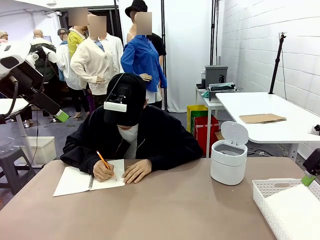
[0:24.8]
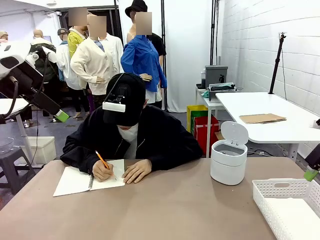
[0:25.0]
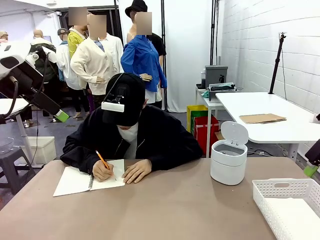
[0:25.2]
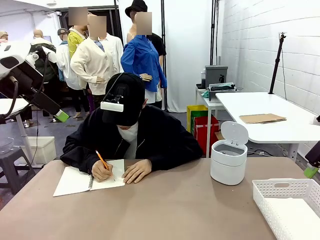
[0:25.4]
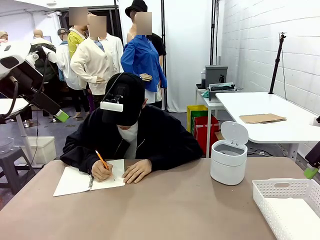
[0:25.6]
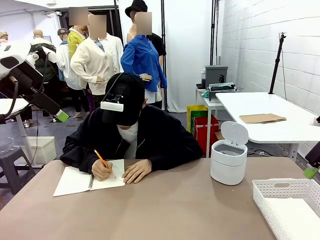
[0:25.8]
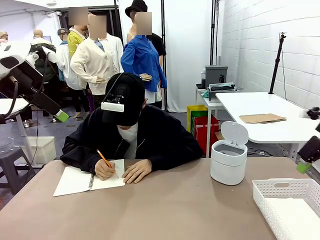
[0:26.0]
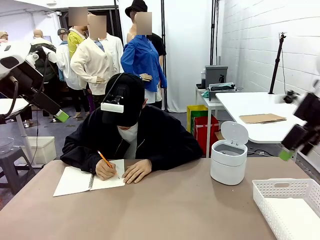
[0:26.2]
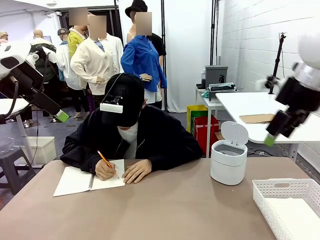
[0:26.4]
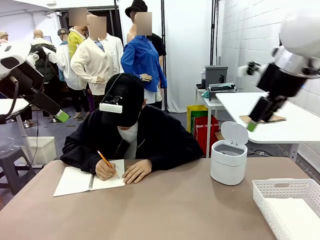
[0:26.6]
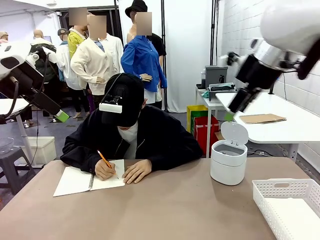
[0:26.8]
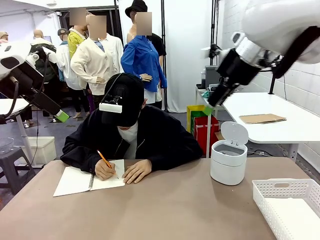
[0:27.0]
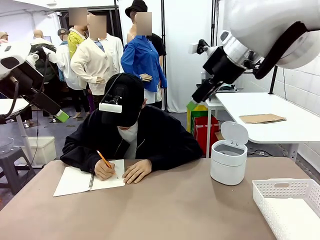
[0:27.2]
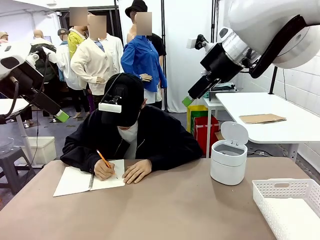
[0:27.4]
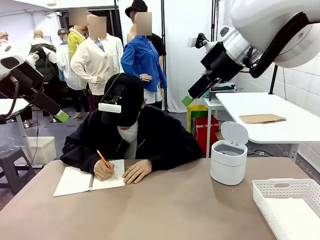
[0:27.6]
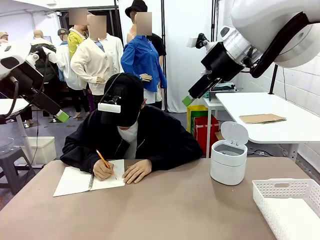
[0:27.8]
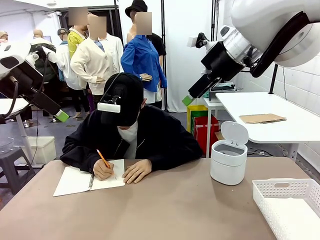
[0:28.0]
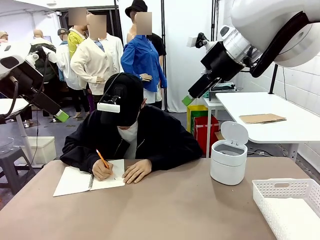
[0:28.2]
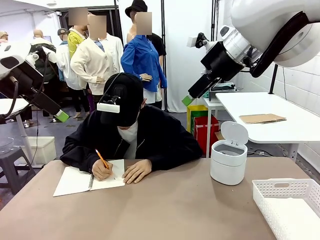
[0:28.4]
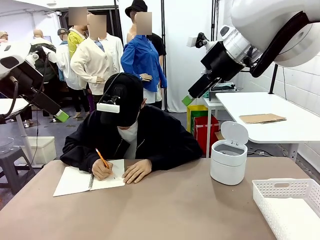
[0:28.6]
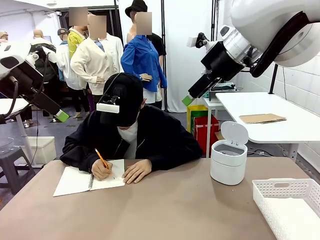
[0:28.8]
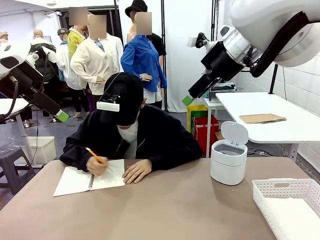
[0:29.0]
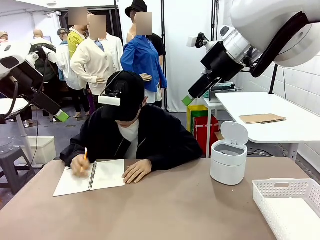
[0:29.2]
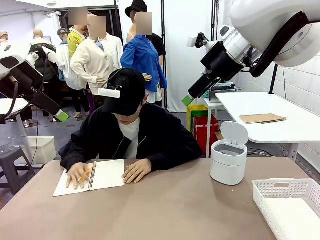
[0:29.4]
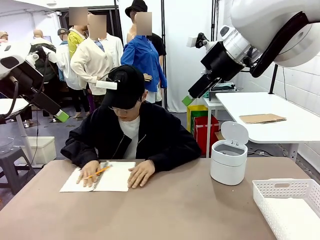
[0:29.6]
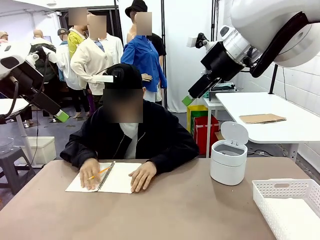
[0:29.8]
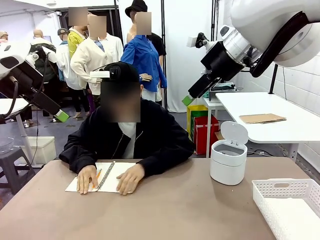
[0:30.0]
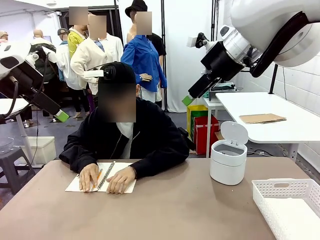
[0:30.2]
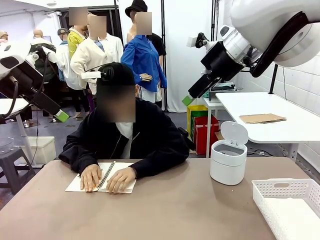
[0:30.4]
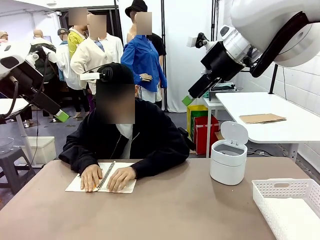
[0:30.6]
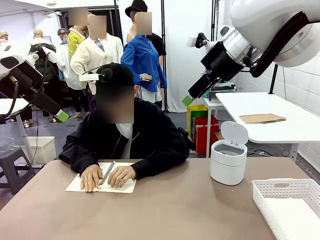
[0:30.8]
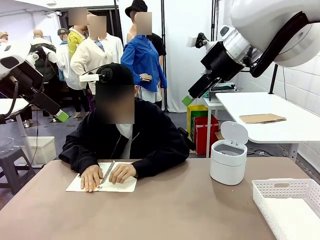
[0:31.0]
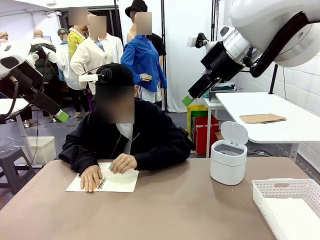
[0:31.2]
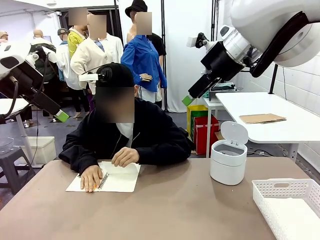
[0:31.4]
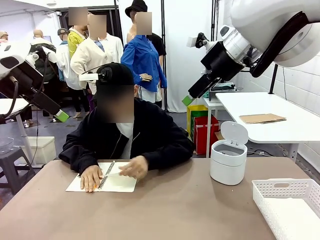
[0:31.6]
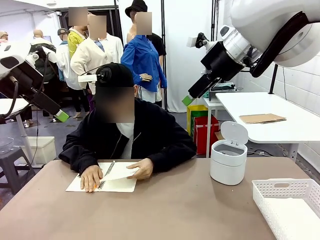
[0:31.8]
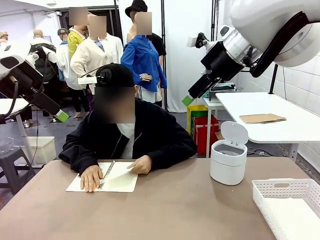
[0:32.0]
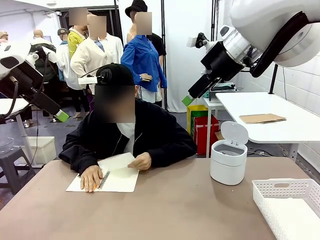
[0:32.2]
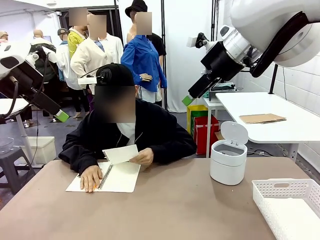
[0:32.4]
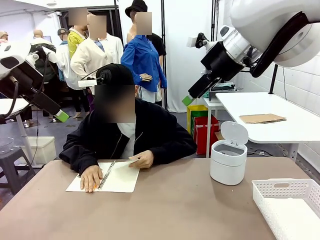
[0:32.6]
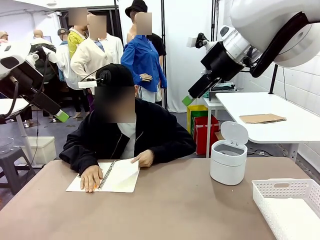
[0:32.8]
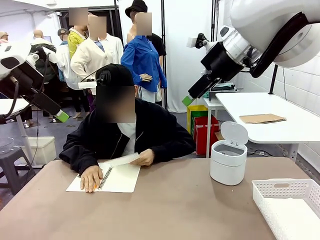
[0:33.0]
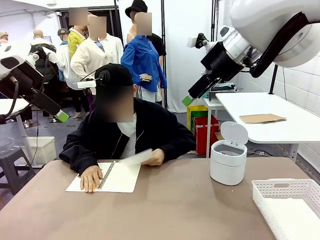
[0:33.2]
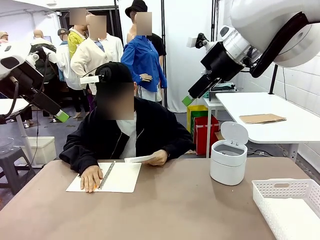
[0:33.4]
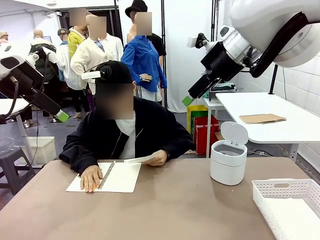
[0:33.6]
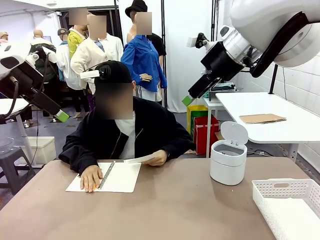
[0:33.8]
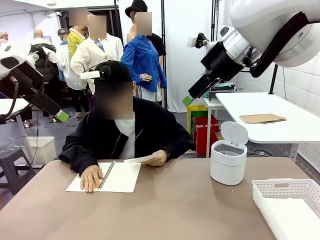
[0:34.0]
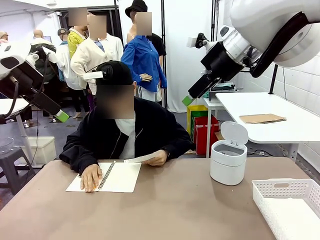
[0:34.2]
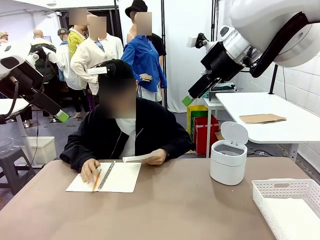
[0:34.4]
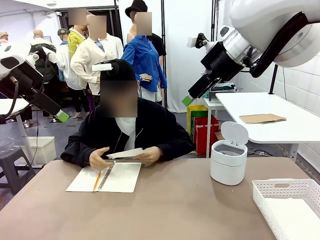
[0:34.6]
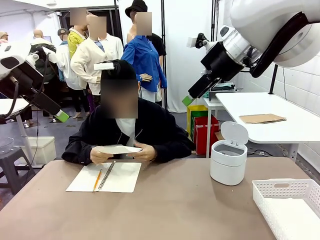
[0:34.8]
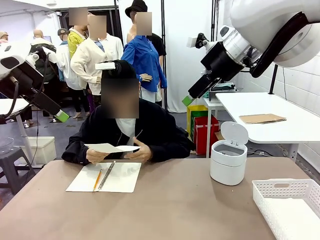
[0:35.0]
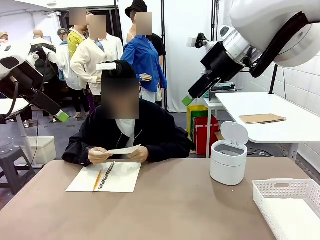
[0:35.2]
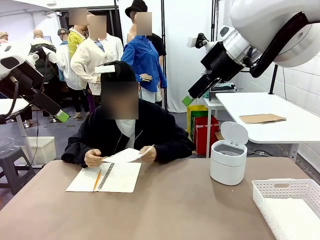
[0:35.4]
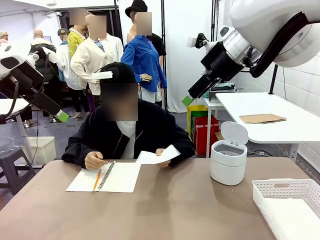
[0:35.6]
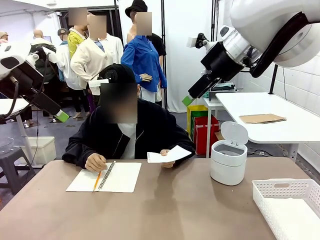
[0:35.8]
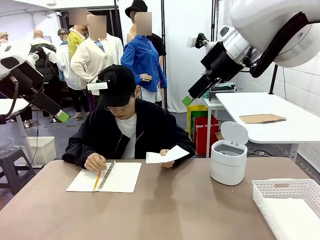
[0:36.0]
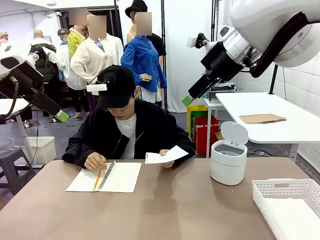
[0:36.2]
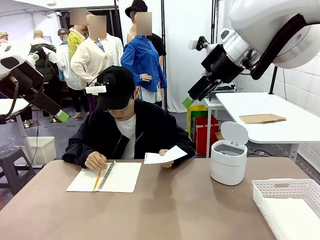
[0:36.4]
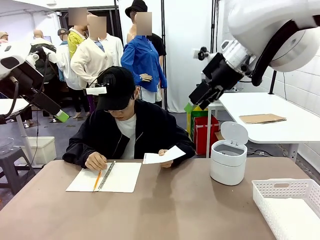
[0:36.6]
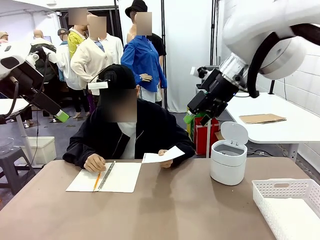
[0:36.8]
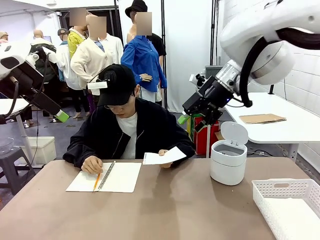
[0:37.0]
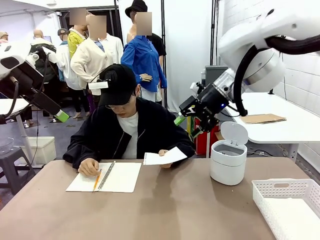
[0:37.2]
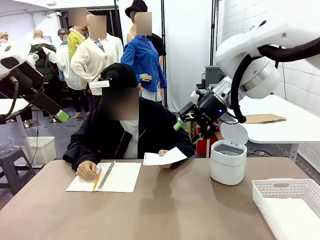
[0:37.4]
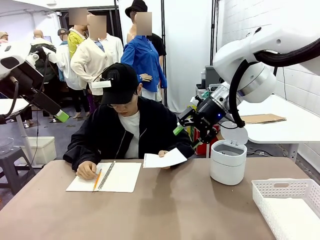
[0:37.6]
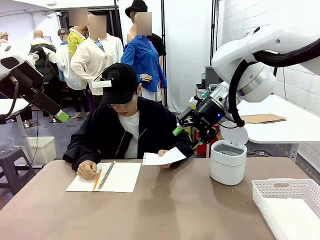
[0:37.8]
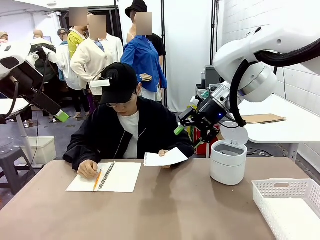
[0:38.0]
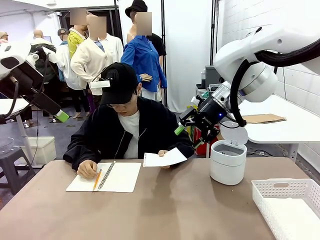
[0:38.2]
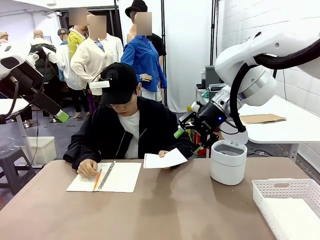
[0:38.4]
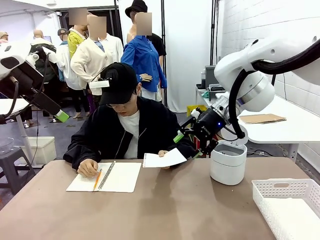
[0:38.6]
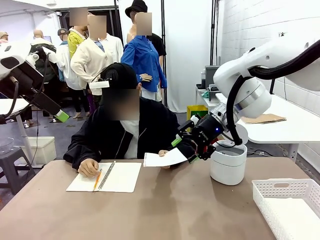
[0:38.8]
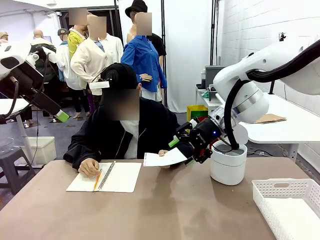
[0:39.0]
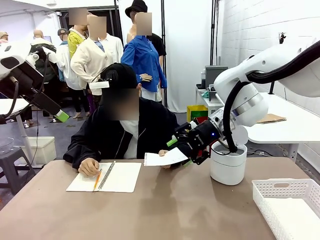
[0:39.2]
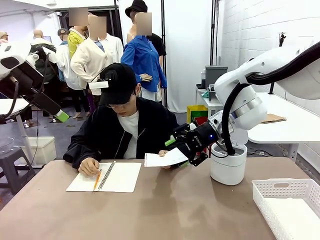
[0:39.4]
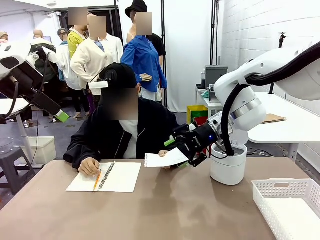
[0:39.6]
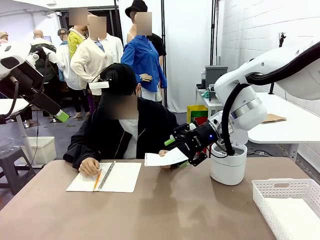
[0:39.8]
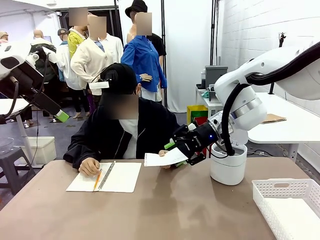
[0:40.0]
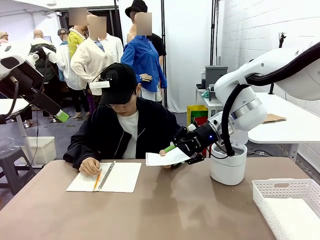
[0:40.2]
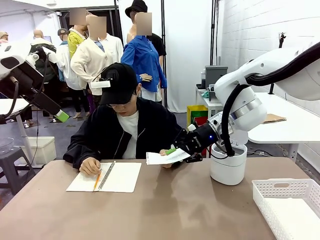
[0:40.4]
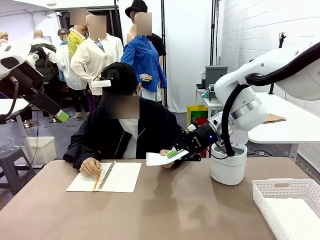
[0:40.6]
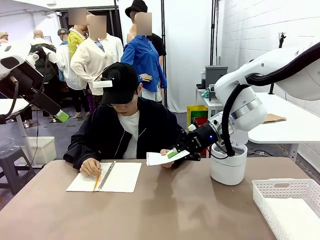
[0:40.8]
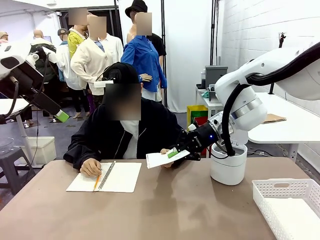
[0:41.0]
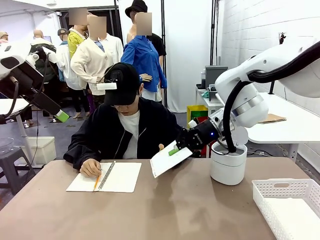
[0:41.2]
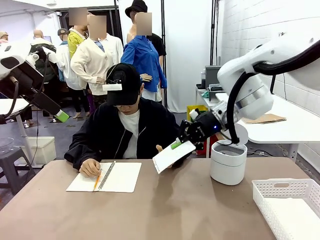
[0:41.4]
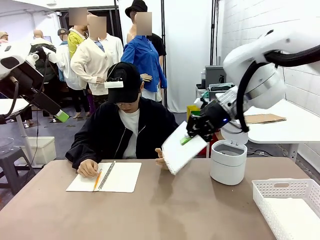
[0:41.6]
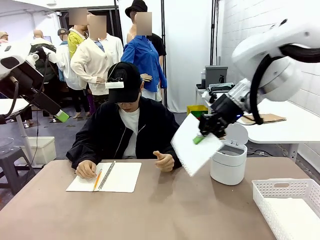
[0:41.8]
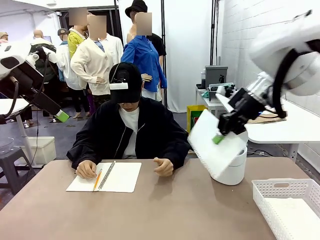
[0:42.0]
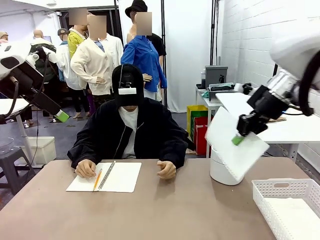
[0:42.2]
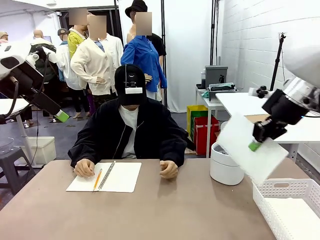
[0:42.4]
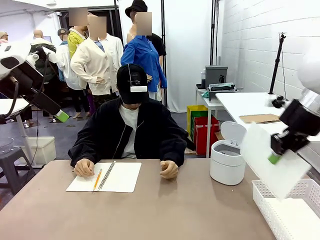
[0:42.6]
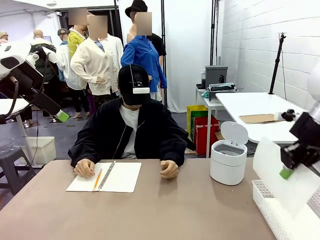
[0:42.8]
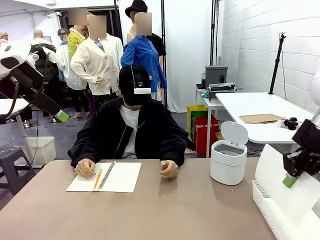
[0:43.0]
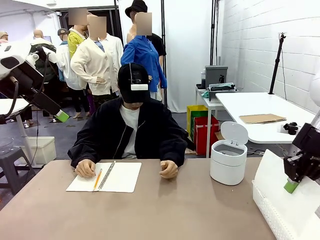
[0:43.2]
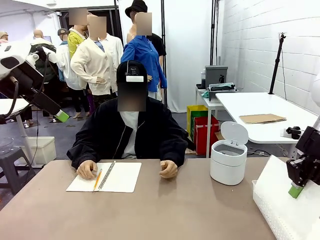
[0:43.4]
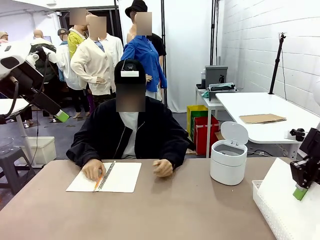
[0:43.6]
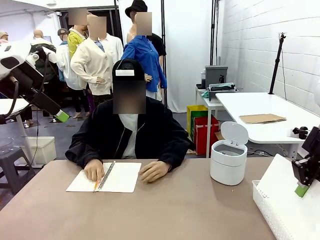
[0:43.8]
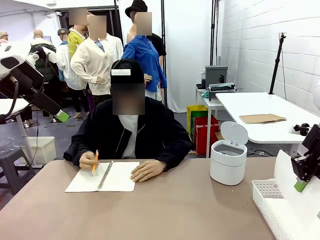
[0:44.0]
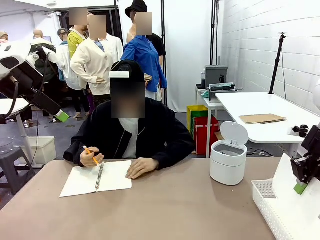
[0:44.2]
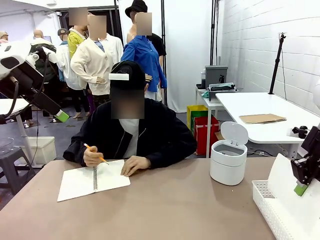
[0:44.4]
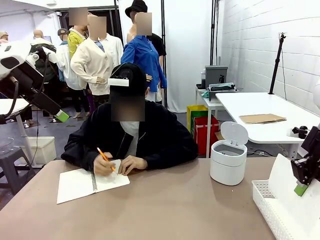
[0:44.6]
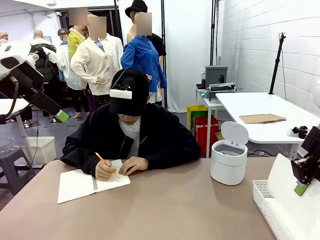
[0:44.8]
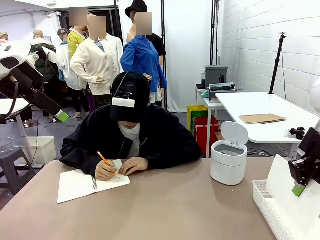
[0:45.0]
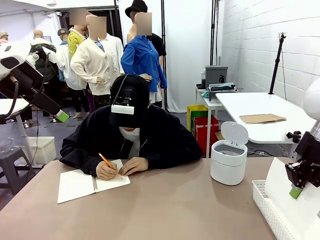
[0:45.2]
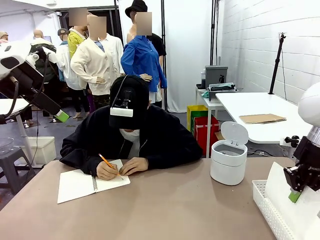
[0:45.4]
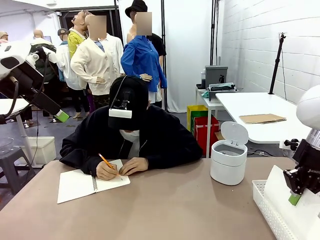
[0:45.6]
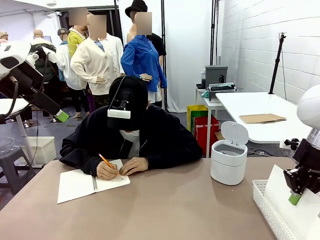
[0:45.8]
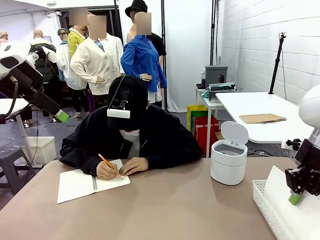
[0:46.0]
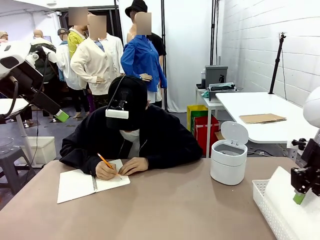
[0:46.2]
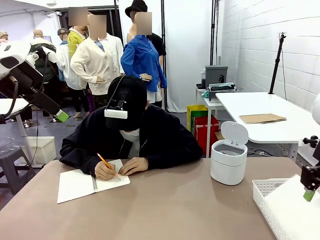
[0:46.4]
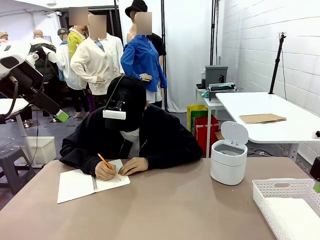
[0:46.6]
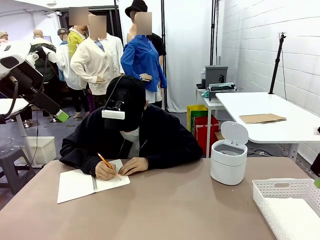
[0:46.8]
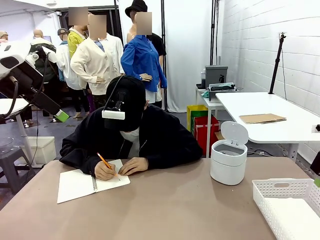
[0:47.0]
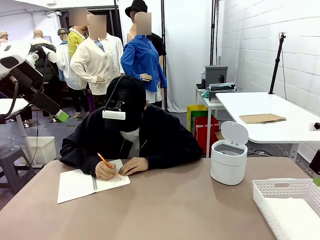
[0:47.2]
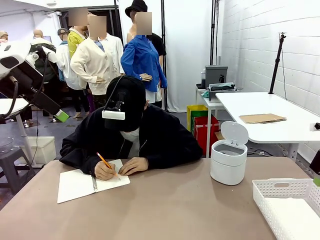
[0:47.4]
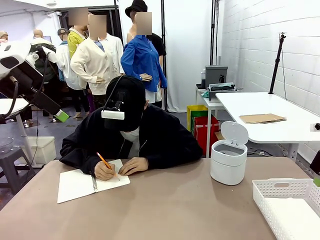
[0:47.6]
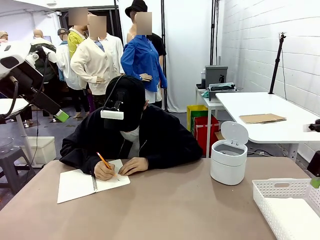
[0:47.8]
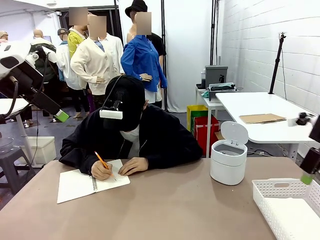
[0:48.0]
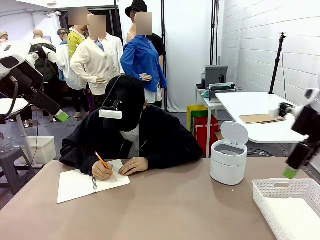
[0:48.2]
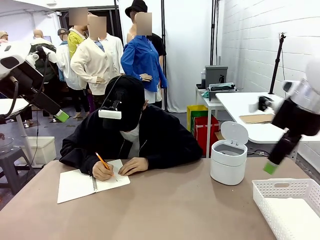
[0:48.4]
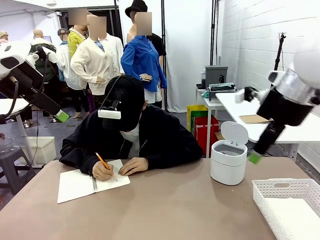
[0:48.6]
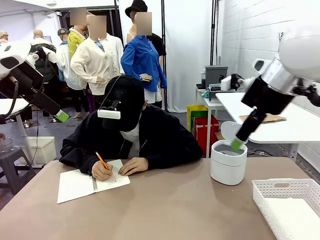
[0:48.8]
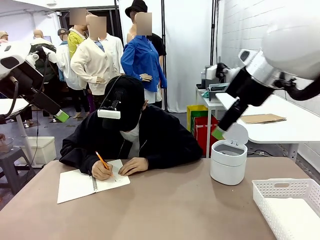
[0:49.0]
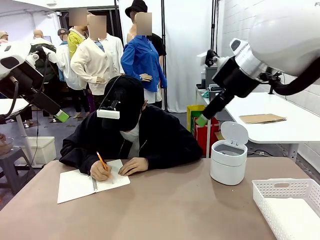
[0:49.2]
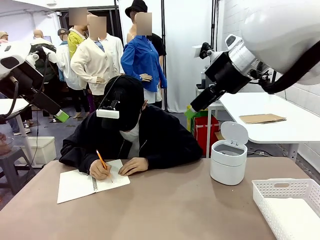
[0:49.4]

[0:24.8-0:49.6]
Task: Sort the paper based on its condition.
Robot: If a person hands you a paper, place it in the Organizing basket , and if it's crumpled, put it in the Trash can.
Person: Hand the torn page to the robot or crumple it and throw it to the center of the table. Tear out a page from the spiral notebook.
